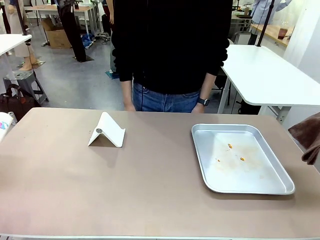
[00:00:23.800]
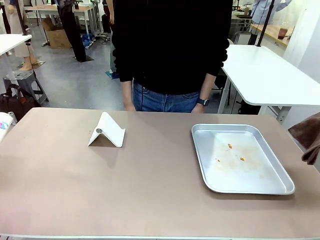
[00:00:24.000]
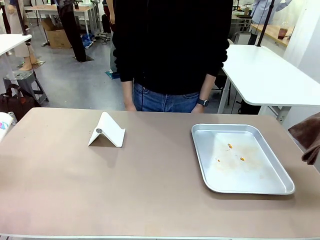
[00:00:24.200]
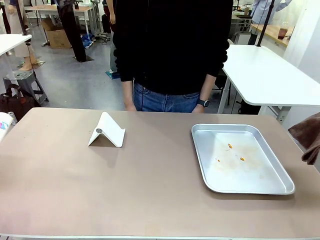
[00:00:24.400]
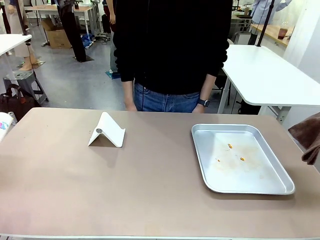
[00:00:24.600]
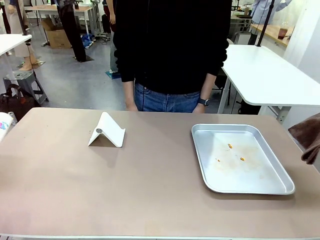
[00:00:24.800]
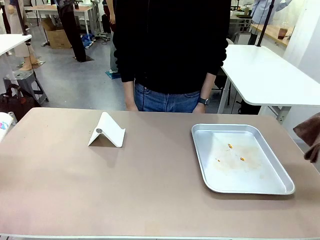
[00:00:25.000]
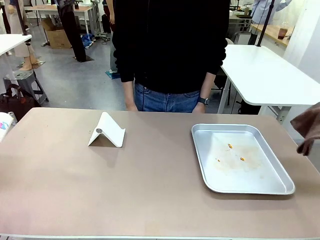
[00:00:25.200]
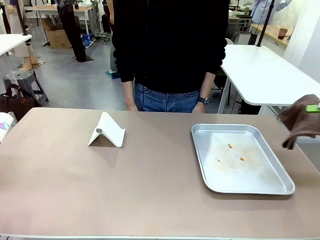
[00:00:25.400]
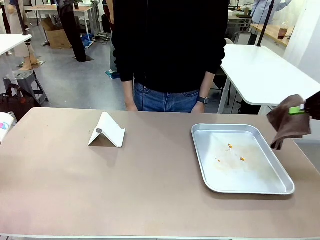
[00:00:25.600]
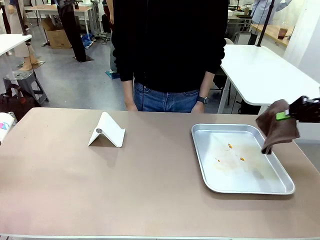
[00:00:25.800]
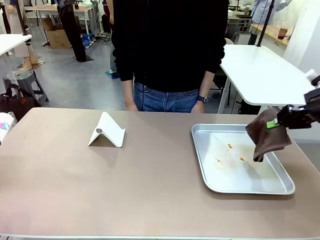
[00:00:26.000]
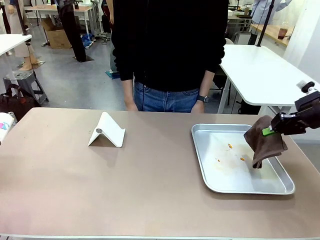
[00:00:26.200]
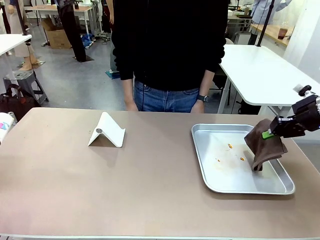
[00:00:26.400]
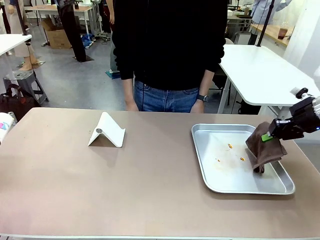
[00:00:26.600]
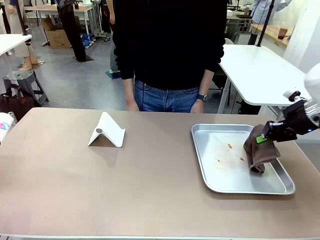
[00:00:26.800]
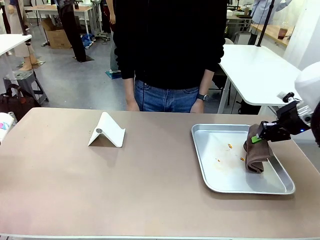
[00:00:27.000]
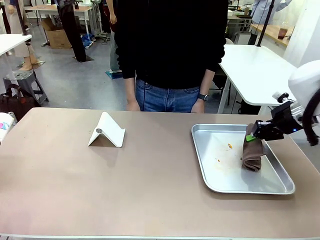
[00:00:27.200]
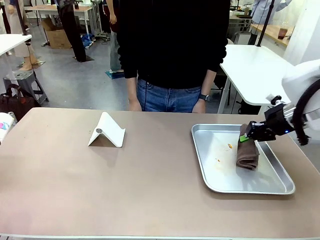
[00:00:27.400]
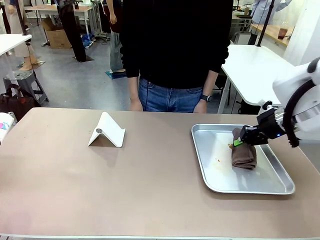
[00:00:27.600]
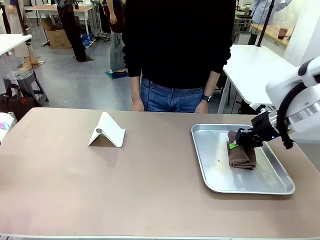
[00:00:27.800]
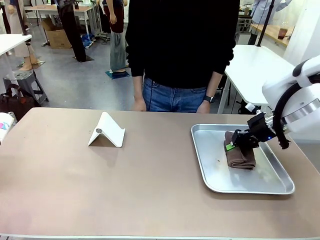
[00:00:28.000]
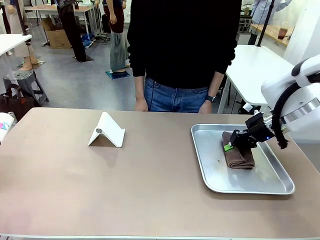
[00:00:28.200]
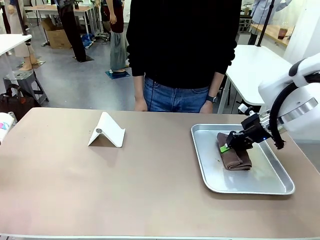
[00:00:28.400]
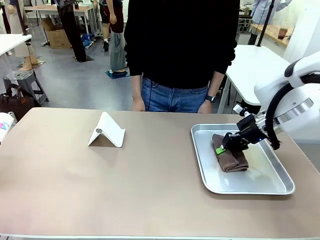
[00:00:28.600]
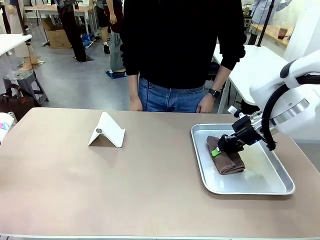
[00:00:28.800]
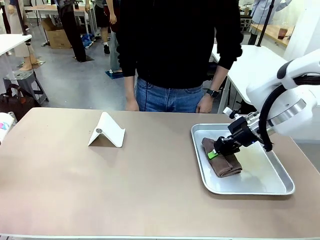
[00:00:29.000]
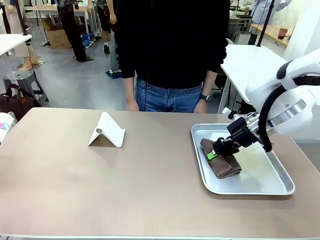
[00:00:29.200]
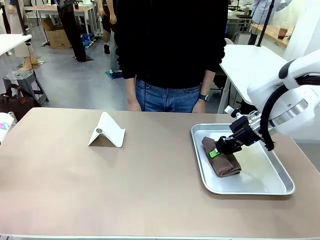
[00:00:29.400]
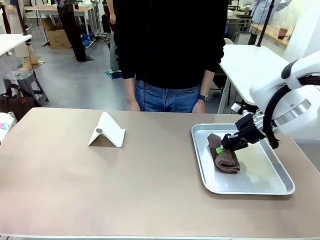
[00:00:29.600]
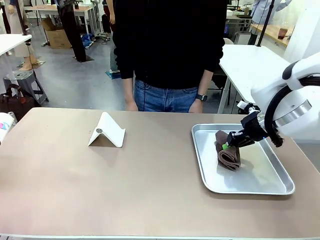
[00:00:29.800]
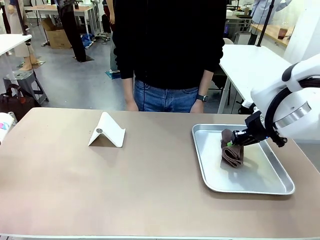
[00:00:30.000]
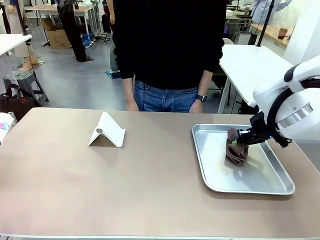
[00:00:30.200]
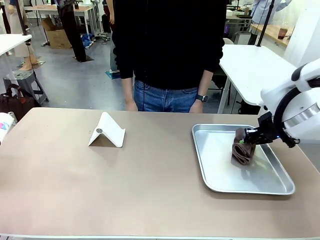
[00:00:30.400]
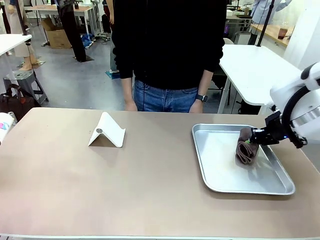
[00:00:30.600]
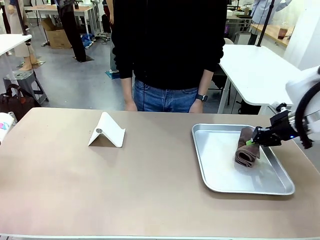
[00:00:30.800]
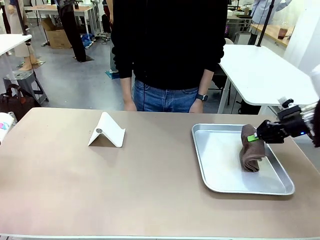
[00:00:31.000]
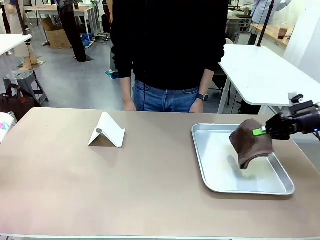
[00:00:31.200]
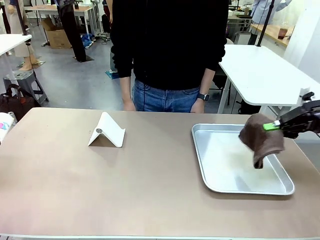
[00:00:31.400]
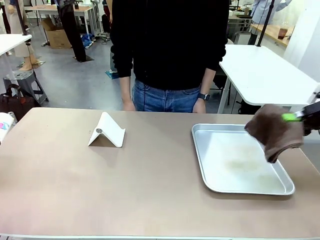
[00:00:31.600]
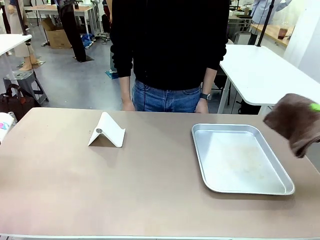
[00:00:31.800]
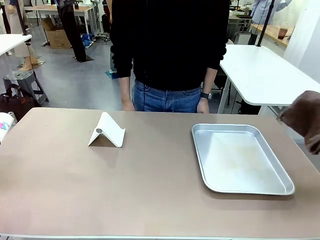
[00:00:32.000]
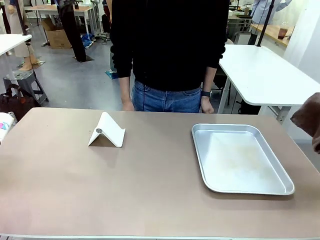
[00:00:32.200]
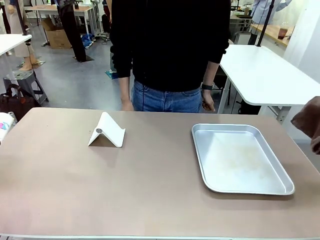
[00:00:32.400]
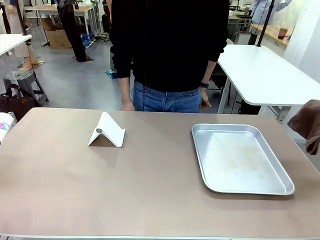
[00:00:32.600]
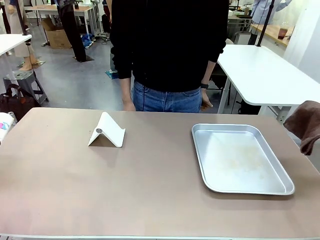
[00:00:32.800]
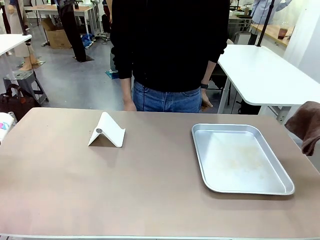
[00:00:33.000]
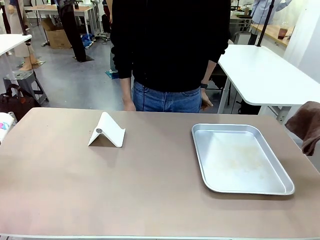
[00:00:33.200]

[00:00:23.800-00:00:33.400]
Task: Clean the surface of the table.
Robot: Clean the area not pointed to by the person.

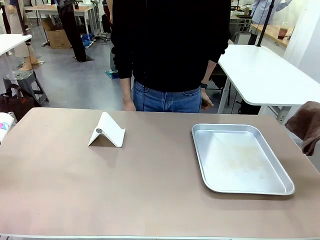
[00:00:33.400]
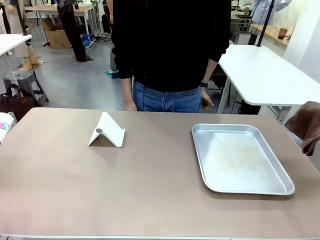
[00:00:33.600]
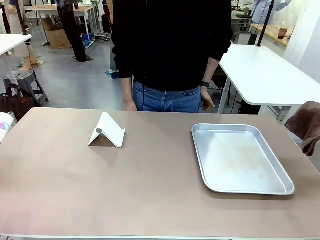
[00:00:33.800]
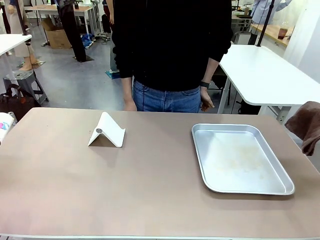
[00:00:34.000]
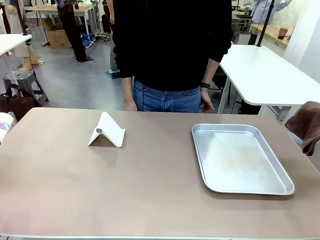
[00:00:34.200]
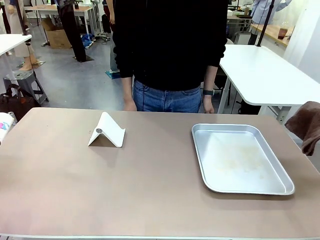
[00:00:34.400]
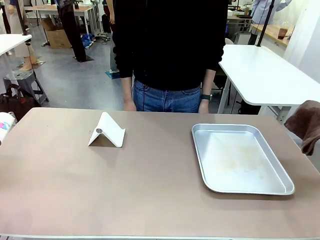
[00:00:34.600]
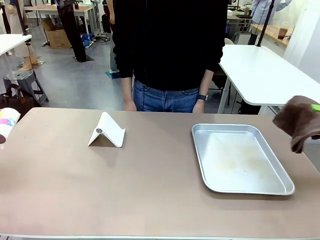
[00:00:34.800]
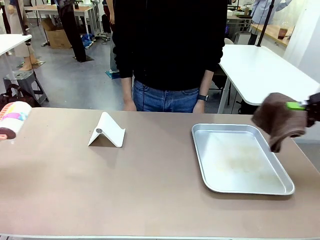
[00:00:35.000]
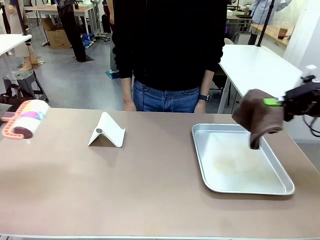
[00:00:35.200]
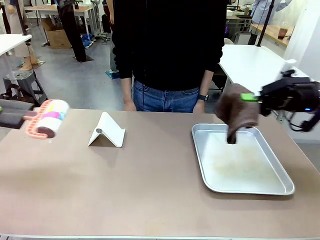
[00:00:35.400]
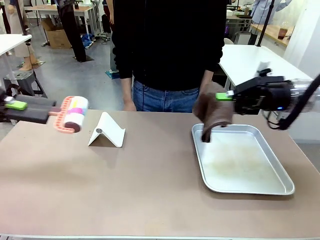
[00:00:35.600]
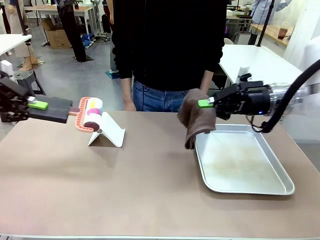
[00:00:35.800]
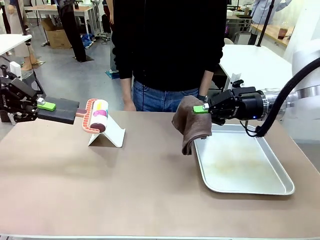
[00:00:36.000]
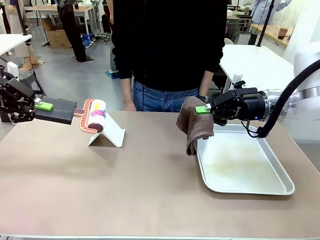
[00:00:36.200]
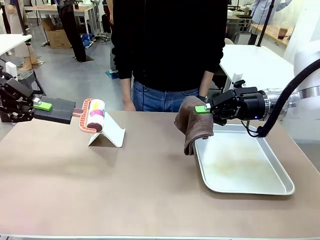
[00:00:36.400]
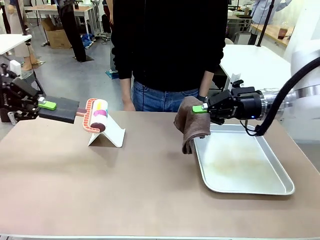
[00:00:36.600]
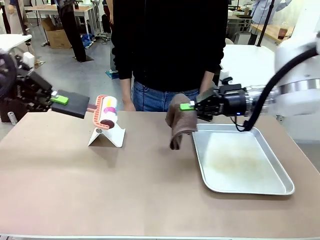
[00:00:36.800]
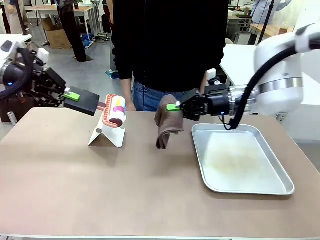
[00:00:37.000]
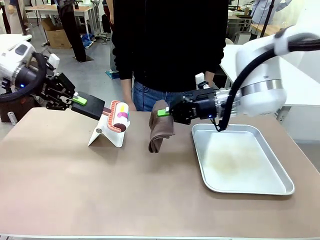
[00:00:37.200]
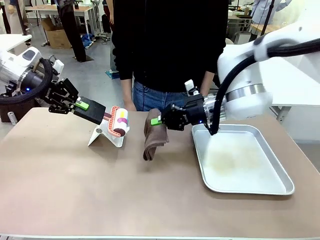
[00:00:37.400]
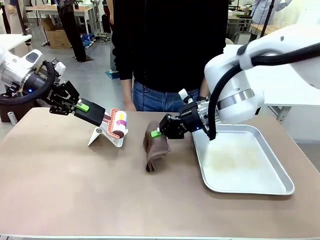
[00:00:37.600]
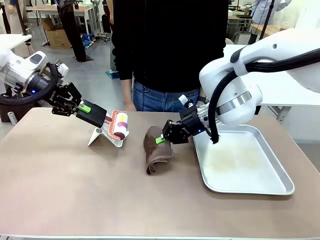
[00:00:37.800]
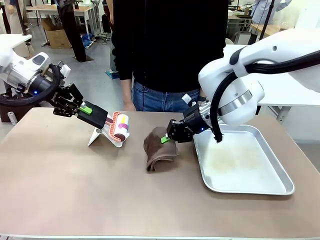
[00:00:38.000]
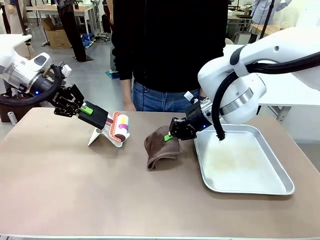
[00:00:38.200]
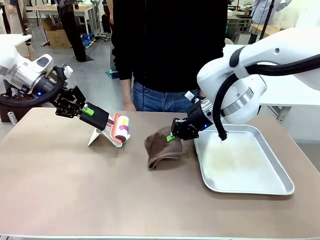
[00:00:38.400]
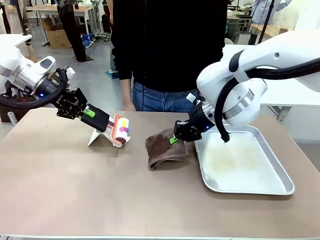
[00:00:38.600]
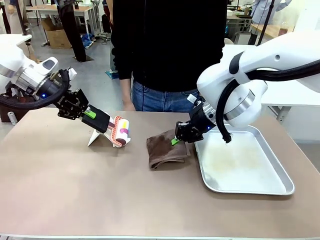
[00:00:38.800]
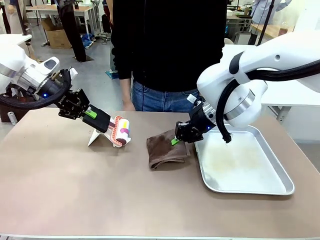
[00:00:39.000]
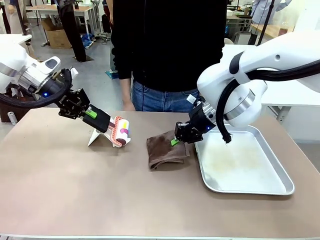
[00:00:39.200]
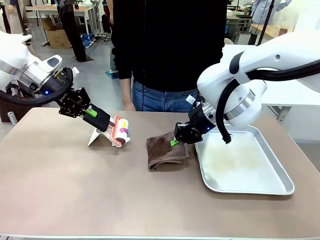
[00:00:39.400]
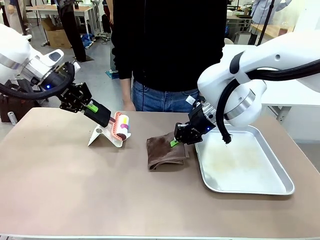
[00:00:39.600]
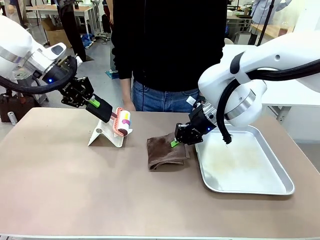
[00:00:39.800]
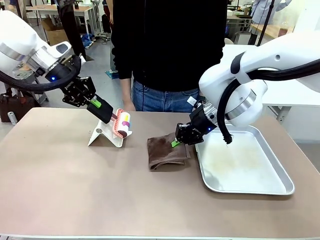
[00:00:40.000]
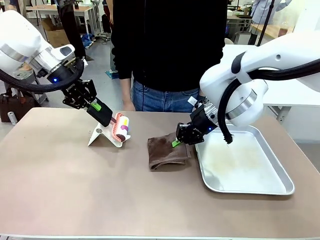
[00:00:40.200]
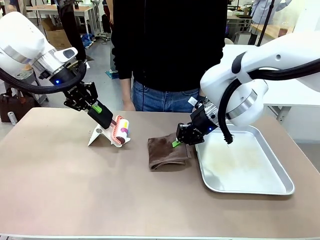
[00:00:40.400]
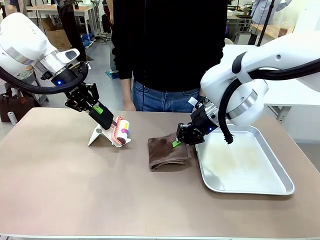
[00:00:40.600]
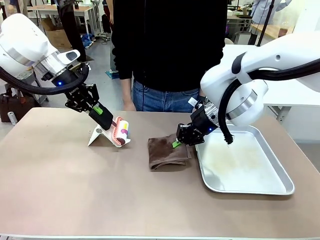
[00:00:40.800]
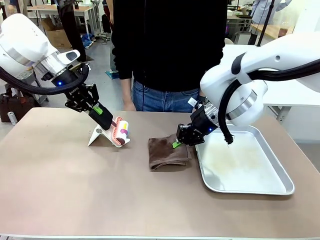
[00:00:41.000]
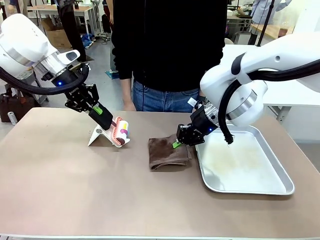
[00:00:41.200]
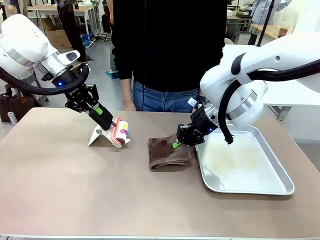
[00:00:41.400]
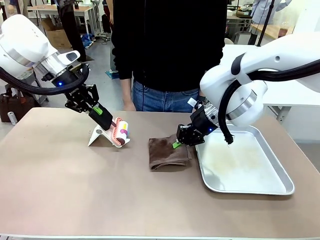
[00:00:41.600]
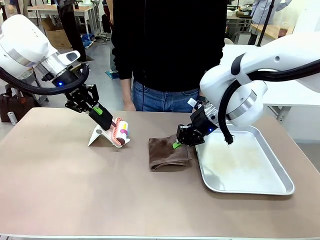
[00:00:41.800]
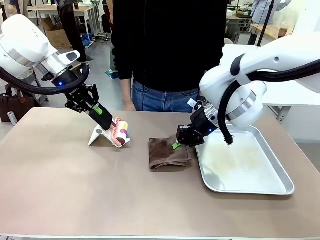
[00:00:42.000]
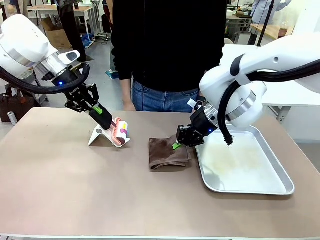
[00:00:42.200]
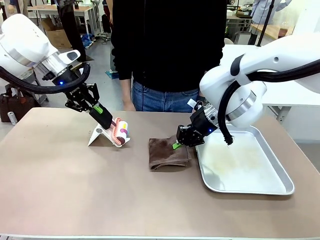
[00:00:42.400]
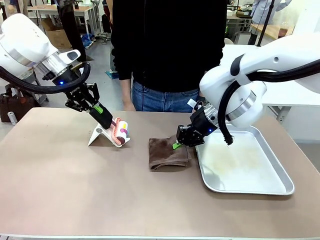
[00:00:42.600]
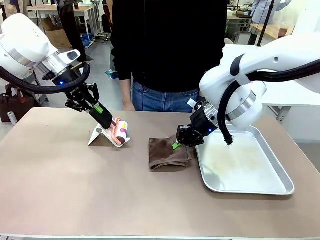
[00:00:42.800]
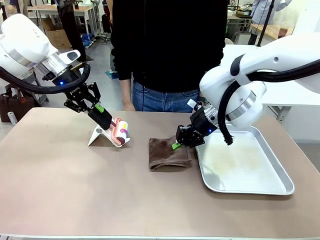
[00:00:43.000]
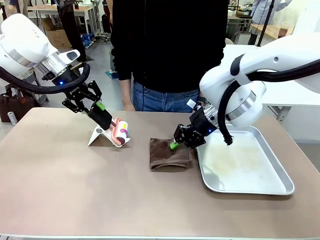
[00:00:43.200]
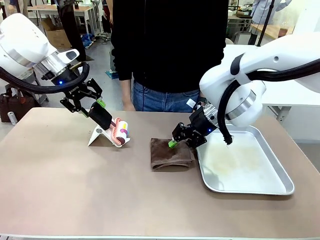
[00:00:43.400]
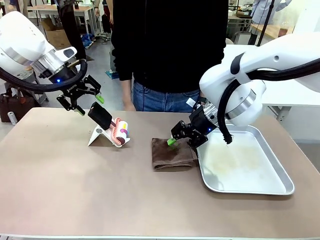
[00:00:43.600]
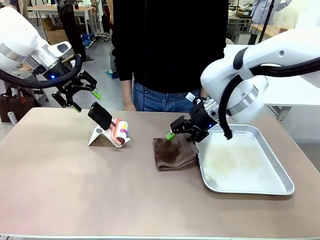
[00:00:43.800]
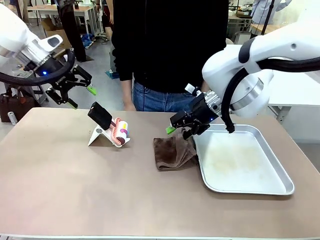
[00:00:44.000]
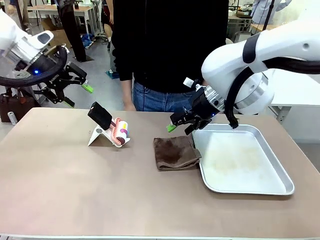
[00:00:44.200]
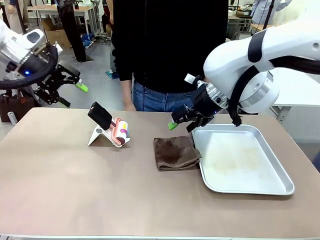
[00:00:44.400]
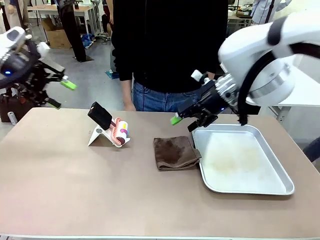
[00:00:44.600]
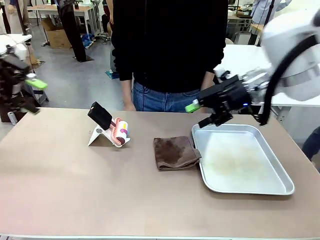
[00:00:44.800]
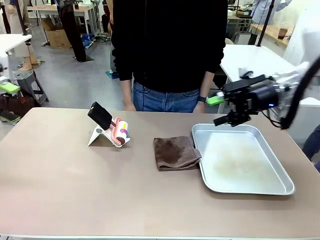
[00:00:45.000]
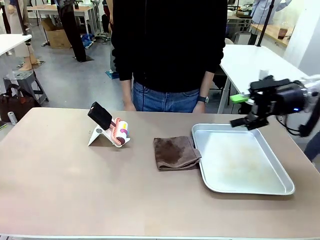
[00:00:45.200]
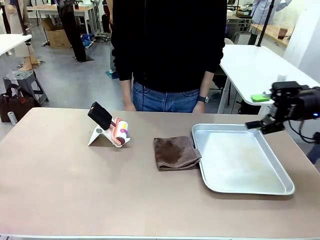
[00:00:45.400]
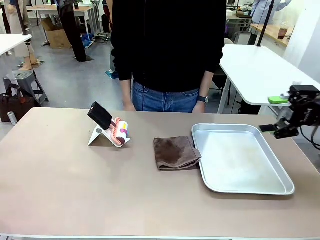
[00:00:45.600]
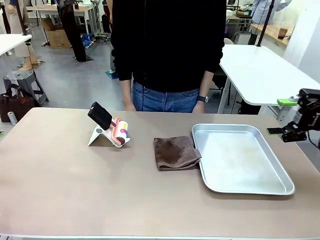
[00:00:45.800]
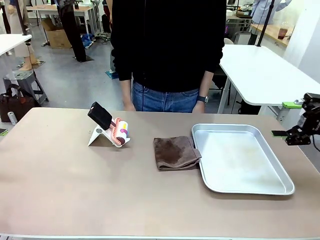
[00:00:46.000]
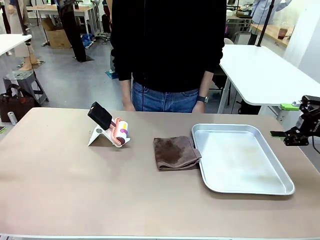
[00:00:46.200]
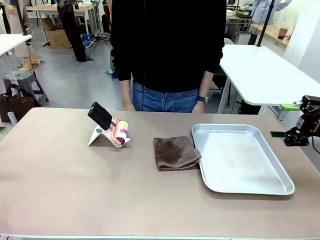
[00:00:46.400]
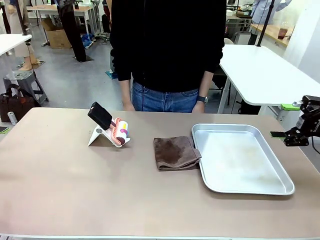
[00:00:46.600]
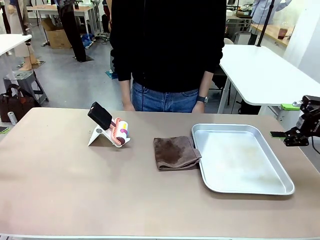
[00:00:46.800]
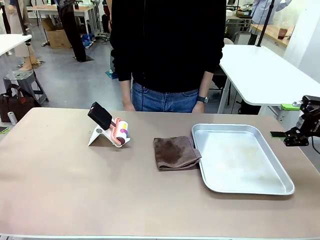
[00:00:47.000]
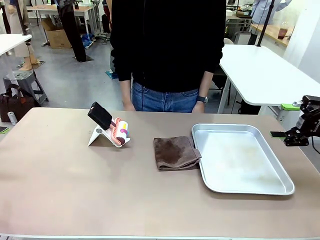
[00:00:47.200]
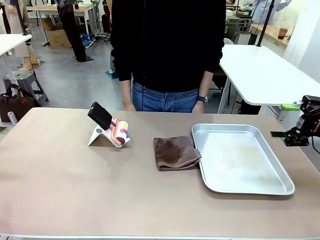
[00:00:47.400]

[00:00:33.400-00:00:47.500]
Robot: Return the Lint Roller and towel to their original positions.
